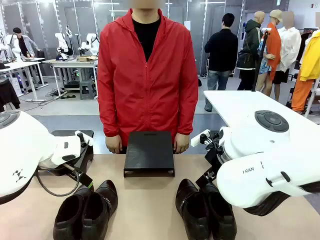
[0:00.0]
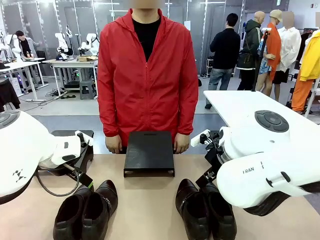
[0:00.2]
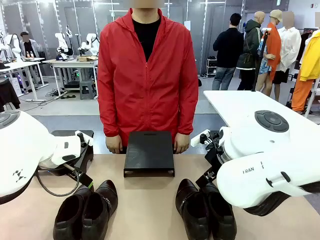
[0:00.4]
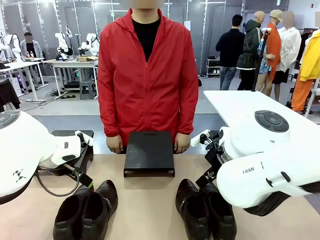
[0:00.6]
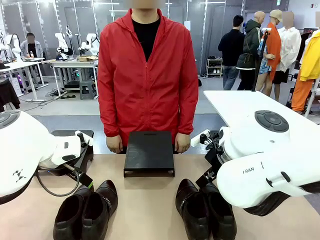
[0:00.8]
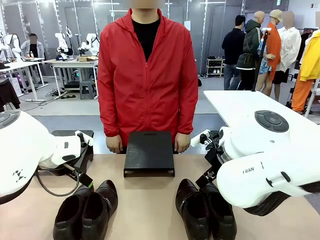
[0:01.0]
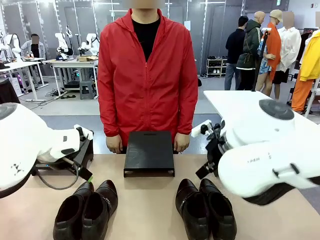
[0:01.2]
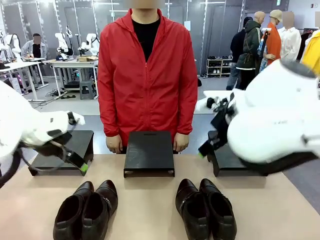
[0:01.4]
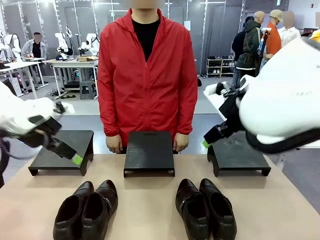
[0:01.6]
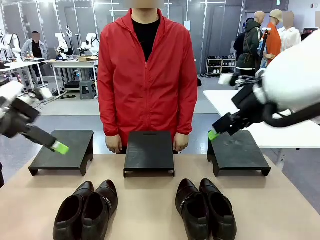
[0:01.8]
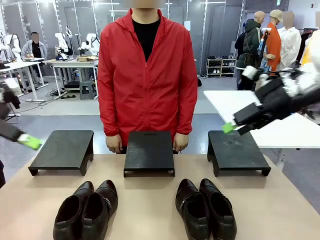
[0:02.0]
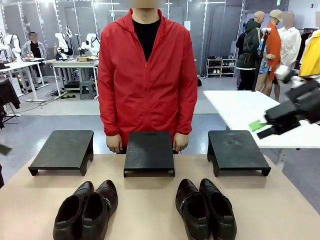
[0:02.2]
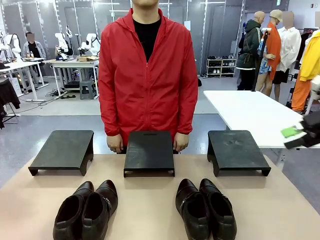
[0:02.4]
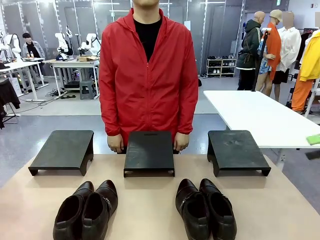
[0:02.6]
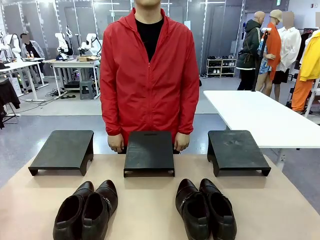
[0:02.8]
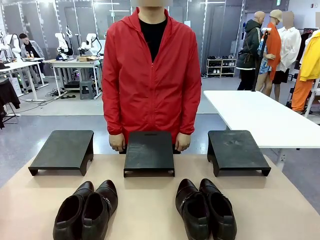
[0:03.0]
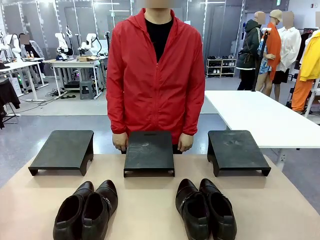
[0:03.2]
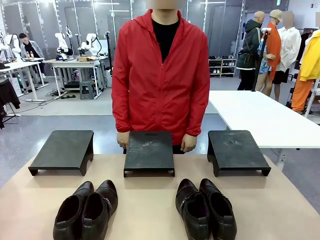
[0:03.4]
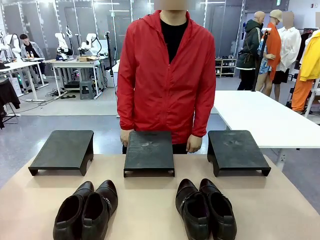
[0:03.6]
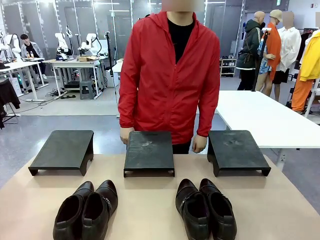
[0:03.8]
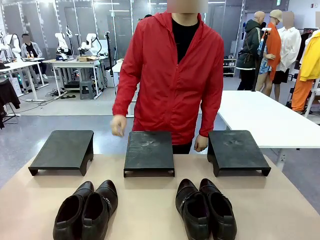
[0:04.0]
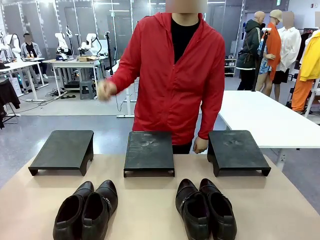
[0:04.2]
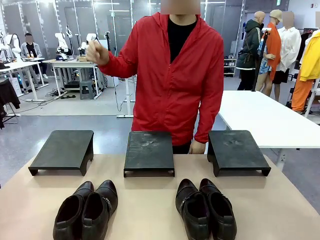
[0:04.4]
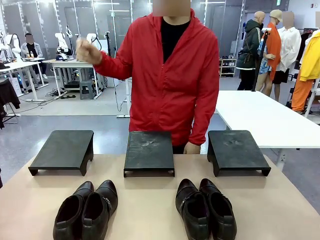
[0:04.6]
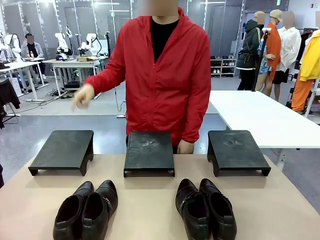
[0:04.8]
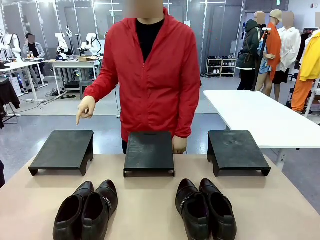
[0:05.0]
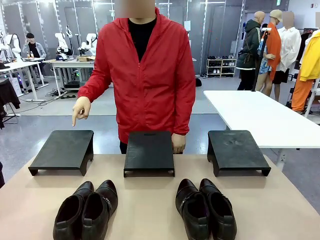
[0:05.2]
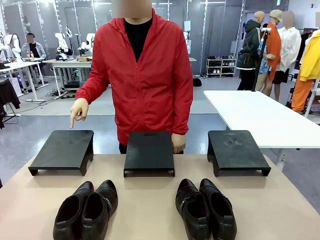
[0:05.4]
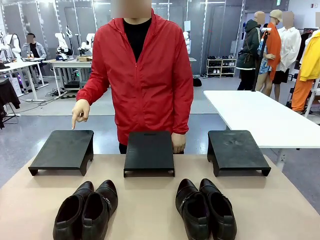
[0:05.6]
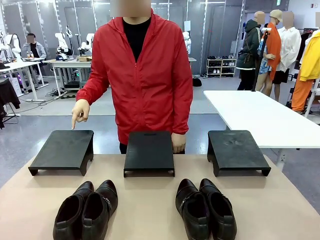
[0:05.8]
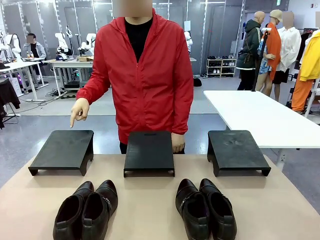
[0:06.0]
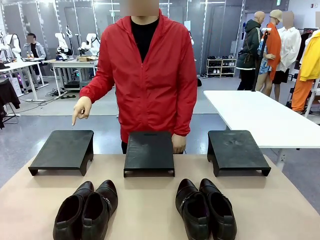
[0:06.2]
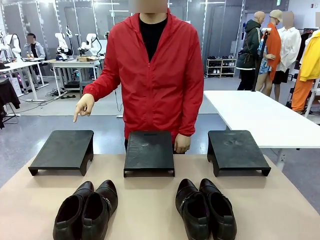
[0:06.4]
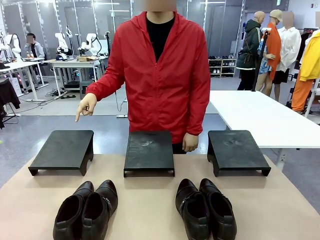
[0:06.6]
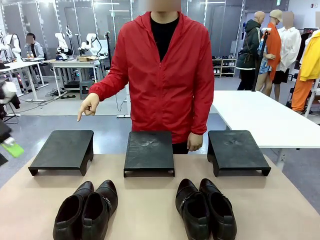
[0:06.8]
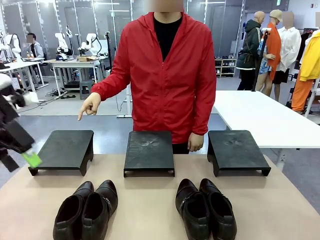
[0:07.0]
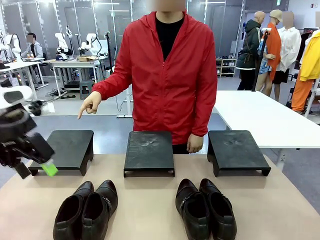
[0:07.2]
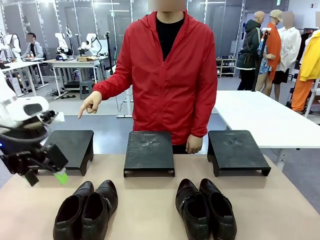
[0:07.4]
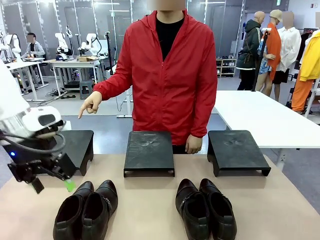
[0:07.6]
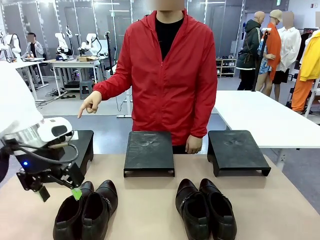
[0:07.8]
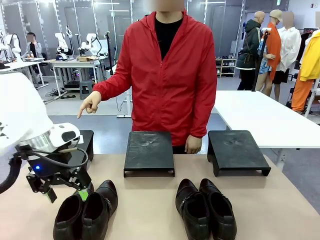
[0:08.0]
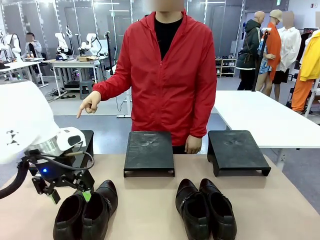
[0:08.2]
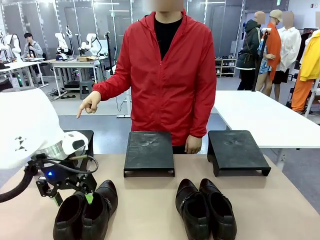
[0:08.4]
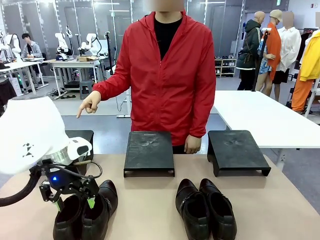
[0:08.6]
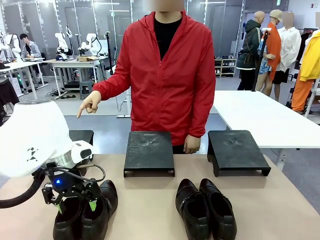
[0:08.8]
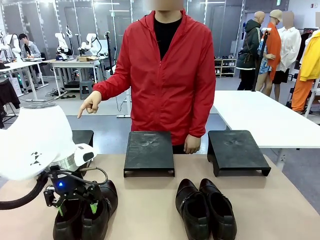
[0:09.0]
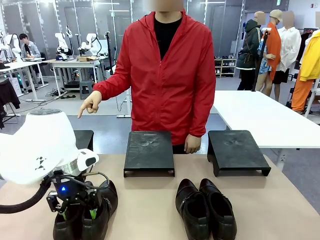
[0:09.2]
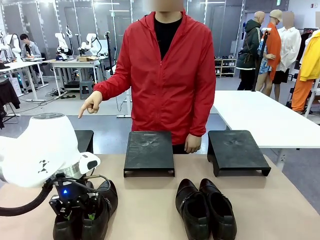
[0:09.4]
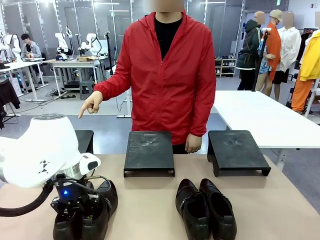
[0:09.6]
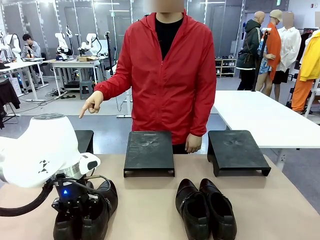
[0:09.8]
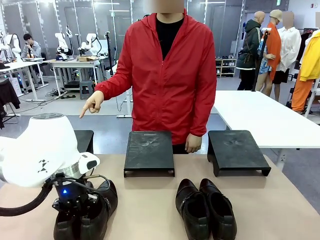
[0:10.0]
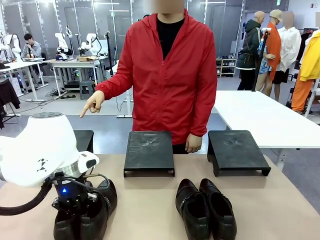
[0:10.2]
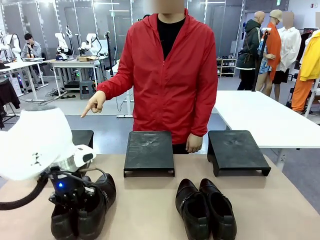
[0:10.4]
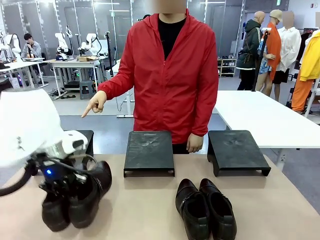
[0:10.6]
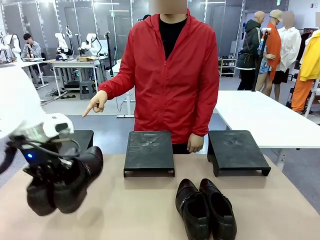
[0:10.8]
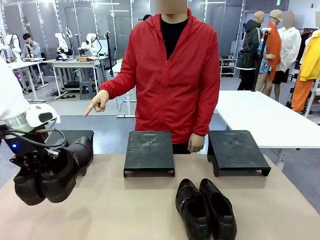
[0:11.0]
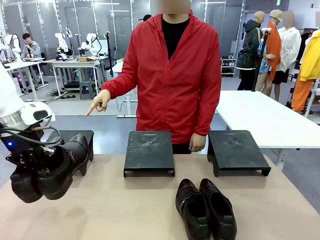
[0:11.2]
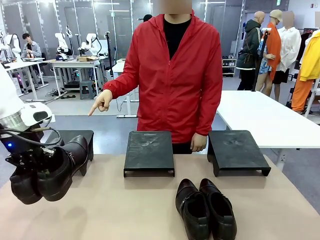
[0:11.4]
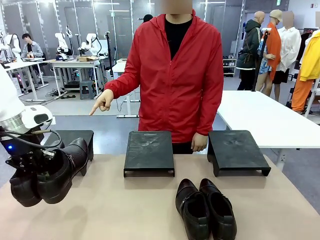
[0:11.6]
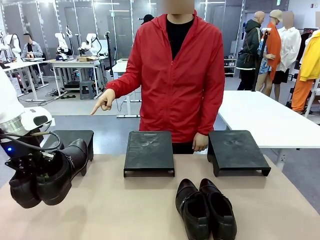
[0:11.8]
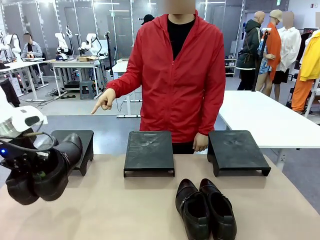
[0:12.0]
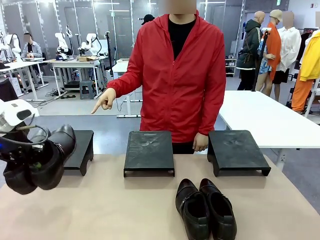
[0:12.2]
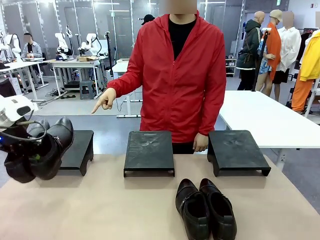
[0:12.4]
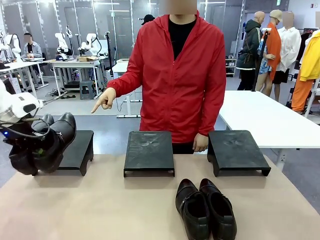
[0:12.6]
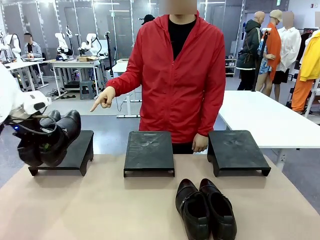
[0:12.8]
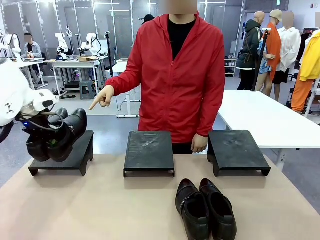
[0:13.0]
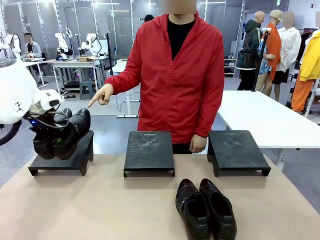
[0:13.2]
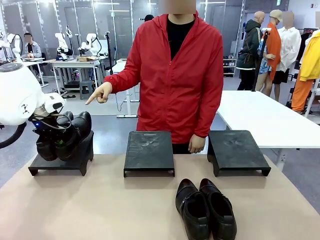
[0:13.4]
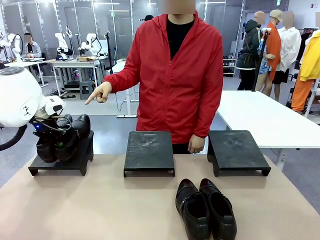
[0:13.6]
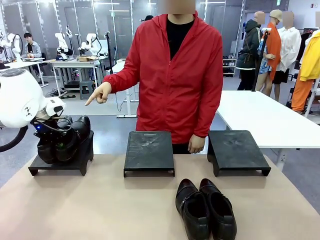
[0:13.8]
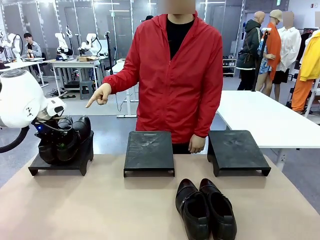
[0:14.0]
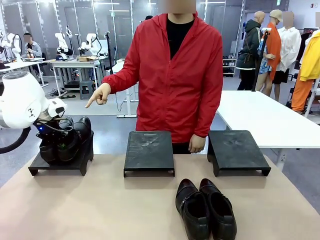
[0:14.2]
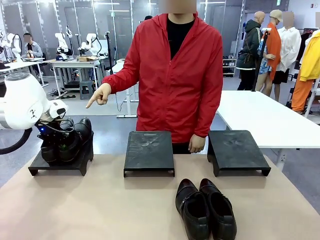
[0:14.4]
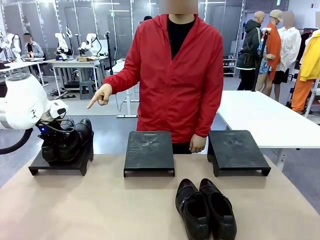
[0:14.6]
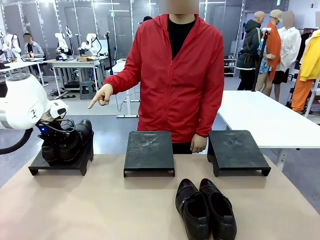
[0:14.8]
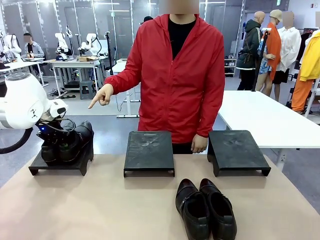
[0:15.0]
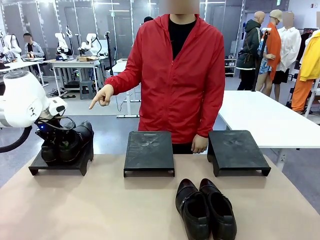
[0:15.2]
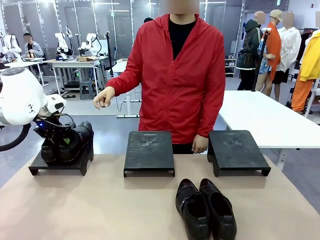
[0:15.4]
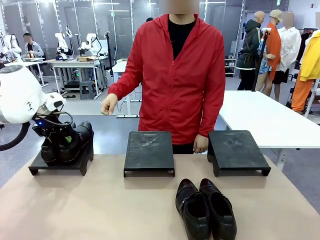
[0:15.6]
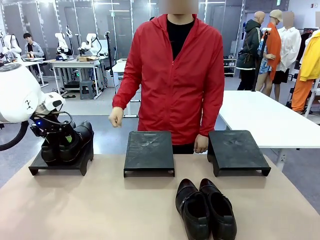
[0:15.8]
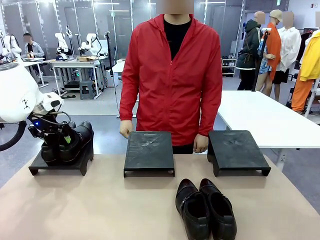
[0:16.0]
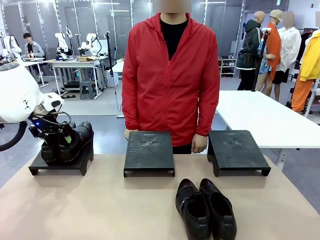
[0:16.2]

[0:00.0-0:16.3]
Task: Place the shoes on the stand as instructed by the person.
Robot: Pick up one pair of Shoes and place it on the Shoes Stand indicated by the person.
